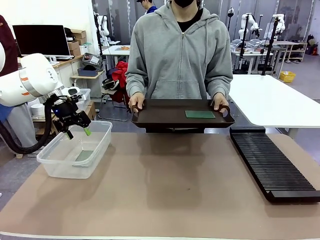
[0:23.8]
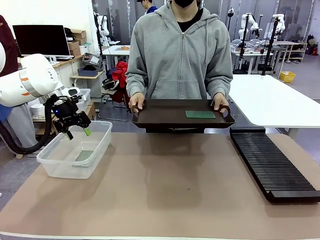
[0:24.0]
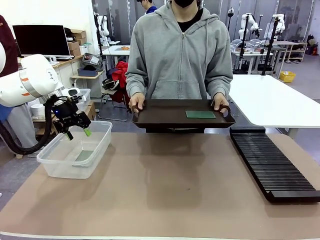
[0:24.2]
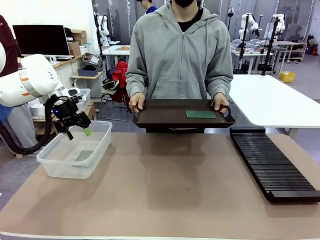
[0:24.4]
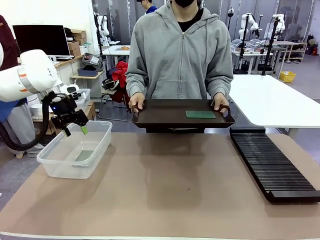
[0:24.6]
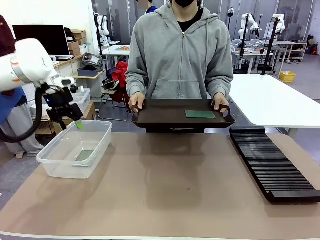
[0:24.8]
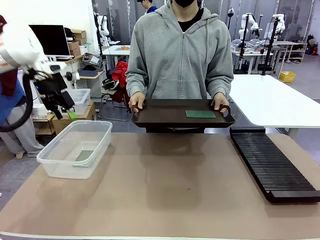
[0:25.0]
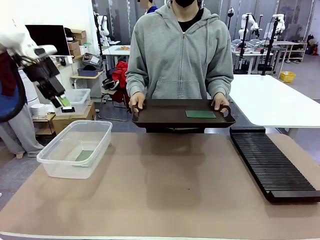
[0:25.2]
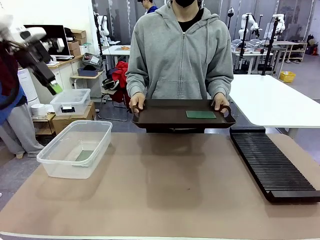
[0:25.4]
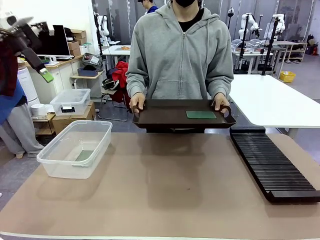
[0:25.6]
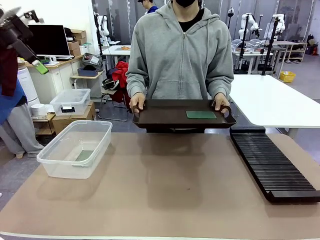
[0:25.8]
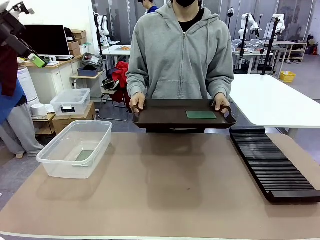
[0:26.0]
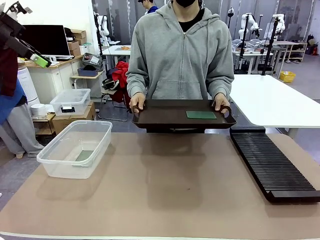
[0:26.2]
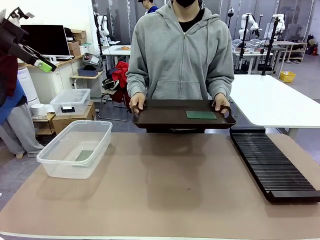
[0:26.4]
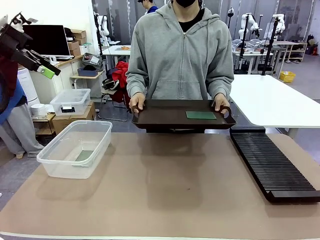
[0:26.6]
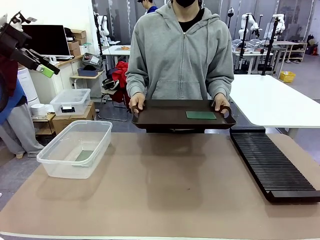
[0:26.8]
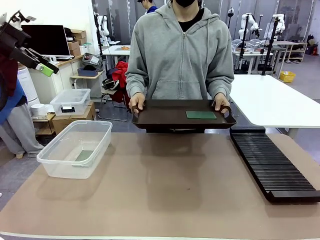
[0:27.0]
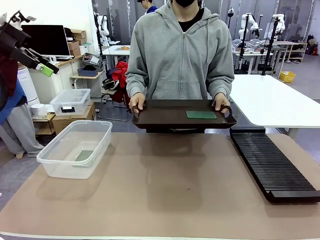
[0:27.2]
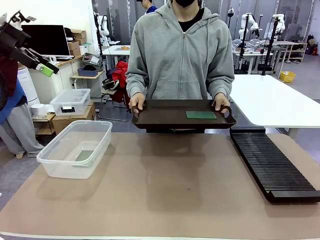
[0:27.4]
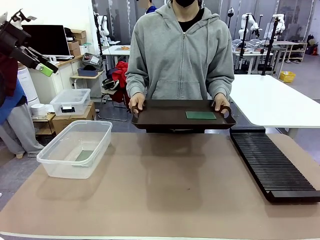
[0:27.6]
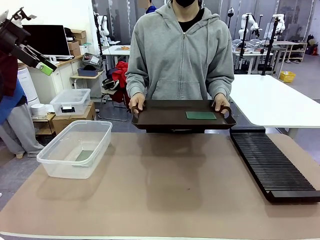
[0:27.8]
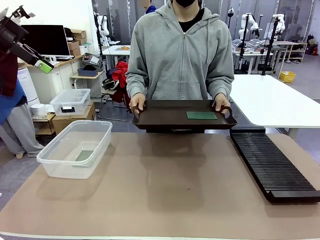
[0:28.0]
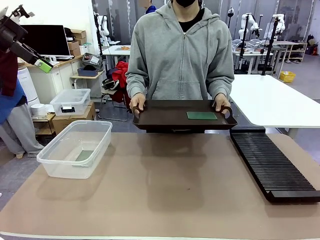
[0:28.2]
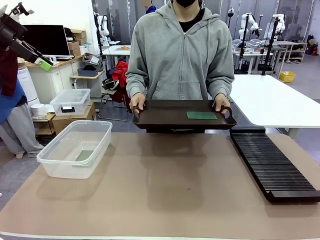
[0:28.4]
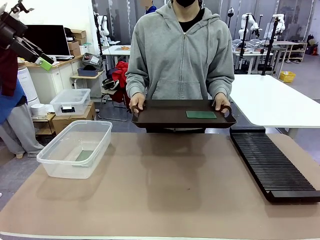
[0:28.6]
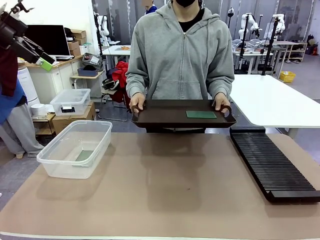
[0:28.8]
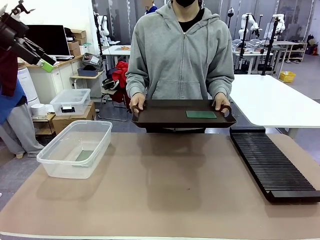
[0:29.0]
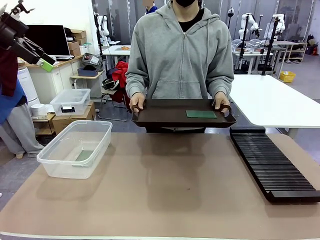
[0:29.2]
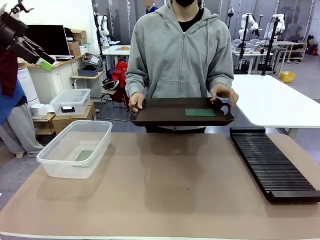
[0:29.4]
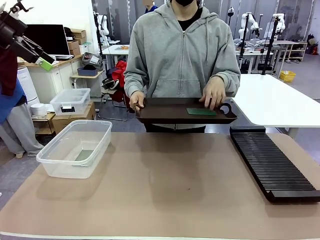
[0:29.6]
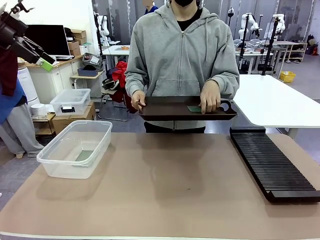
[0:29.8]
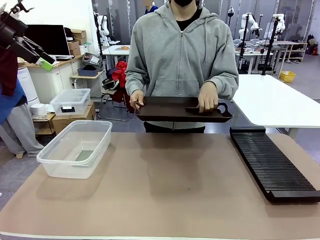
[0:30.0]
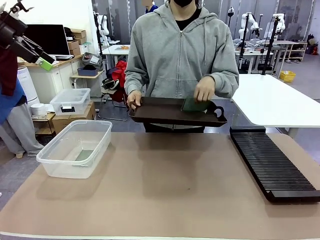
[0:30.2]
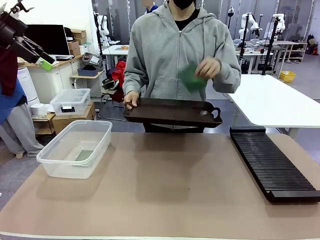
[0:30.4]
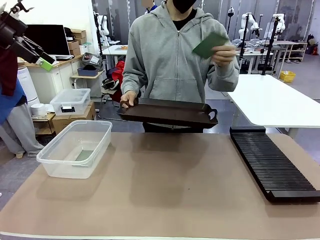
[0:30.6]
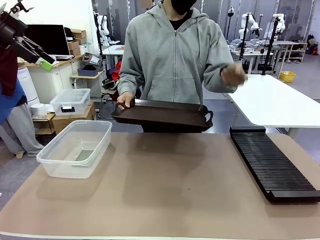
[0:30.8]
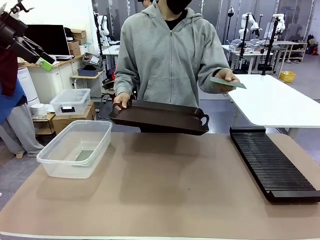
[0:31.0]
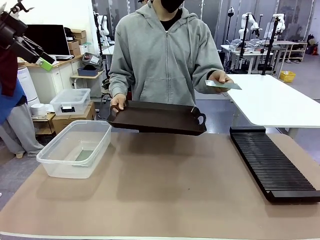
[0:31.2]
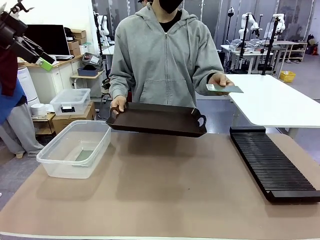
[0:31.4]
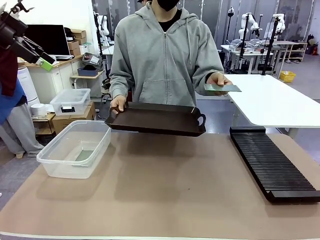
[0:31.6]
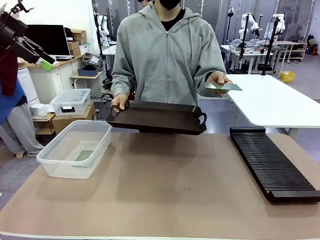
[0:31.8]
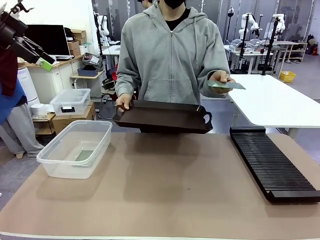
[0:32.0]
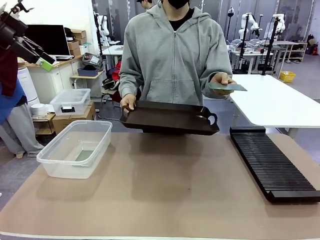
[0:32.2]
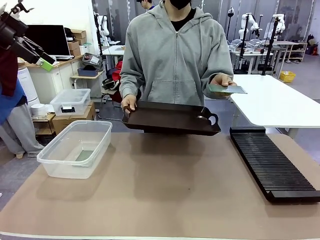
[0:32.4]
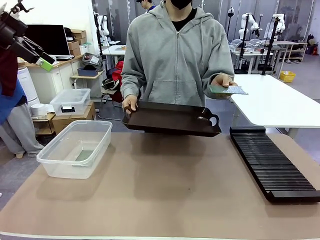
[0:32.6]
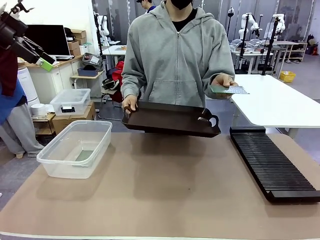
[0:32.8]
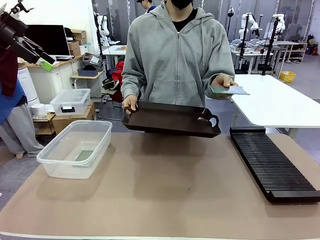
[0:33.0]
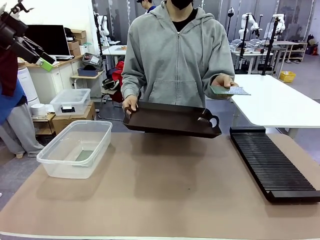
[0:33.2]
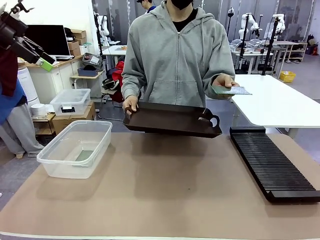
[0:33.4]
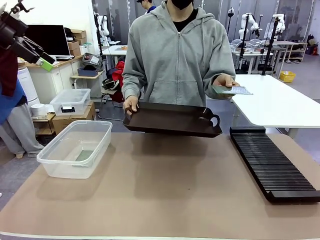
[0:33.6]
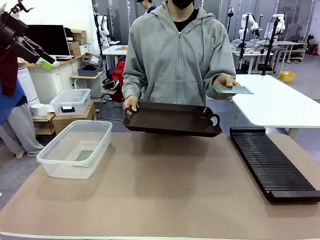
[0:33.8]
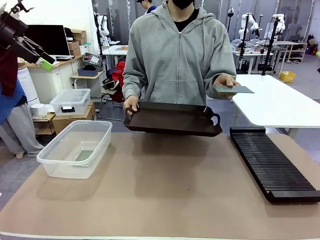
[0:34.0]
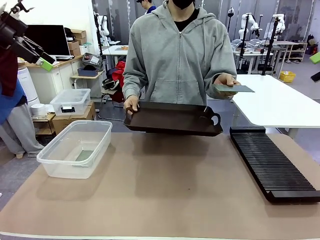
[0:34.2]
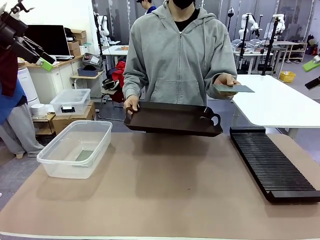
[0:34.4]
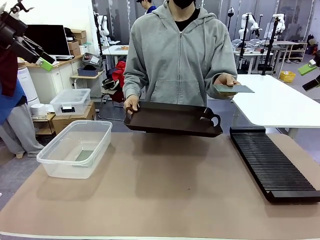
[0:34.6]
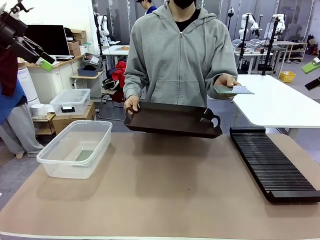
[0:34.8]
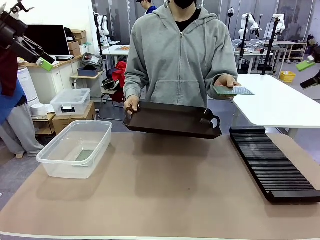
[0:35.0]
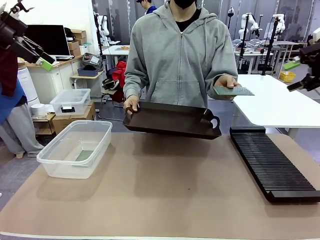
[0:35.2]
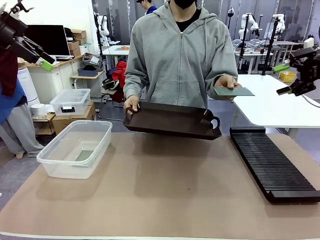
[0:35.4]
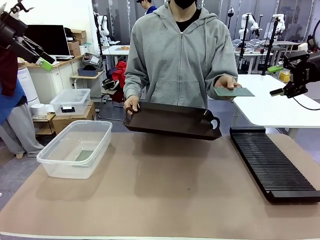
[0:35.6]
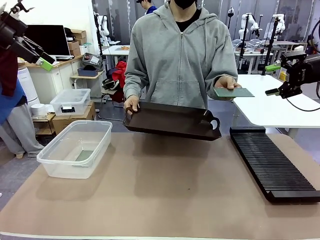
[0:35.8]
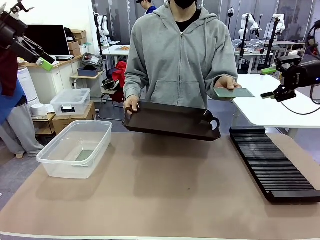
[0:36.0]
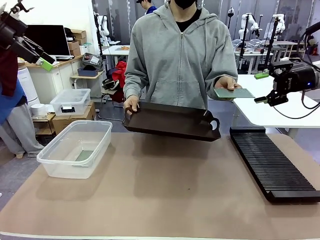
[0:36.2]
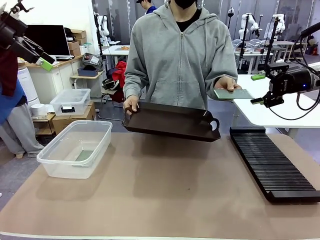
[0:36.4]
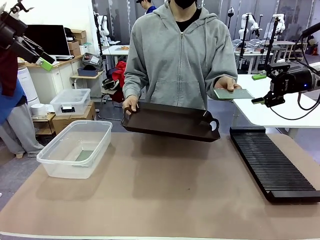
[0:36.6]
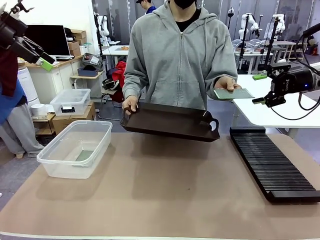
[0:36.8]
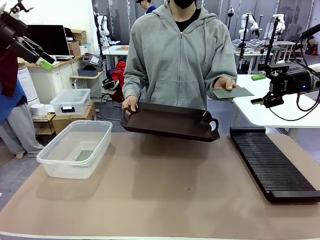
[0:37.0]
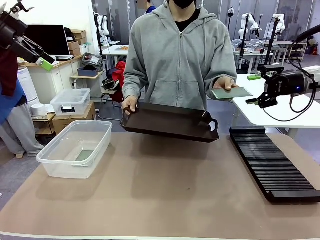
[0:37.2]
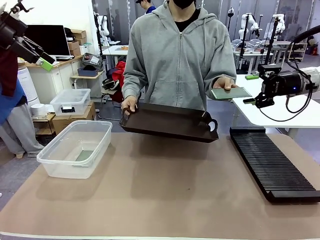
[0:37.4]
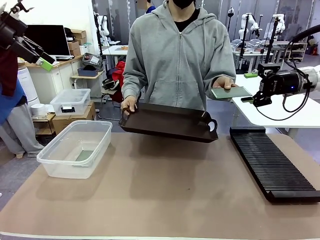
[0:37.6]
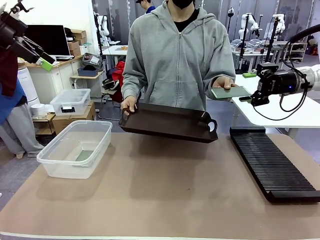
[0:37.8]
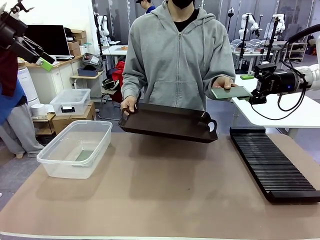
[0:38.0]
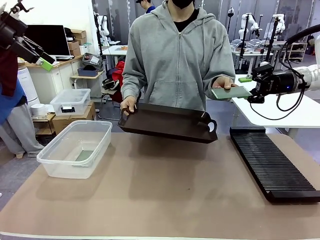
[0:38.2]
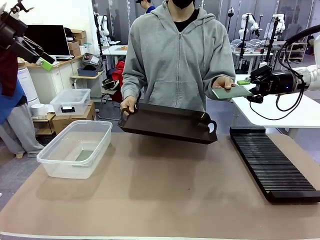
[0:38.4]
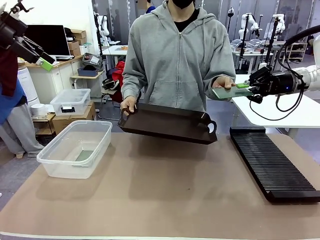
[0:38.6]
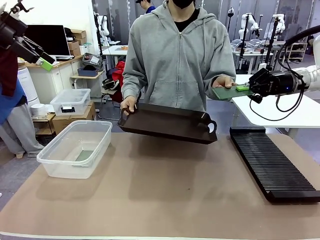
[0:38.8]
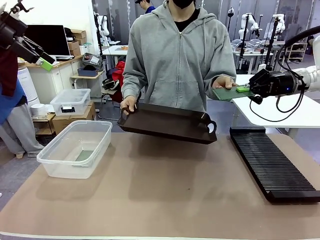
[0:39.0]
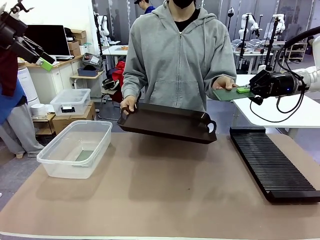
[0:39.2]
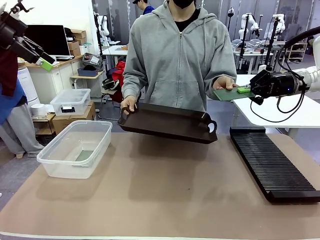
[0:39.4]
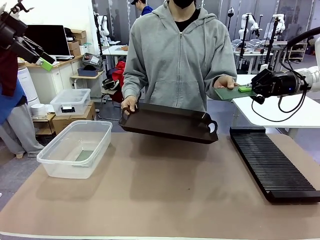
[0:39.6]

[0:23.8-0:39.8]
Task: Sort PCBs into racks and boxes based on the side picked up.
Robot: Pick up the Blank PCB handed by the Human.
Person: Pick one PCB from the tray and present it to the robot.
